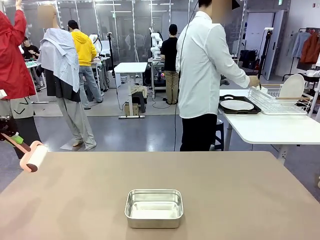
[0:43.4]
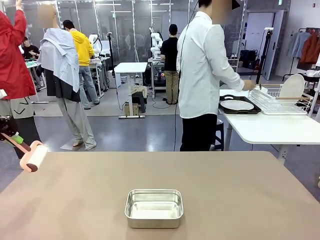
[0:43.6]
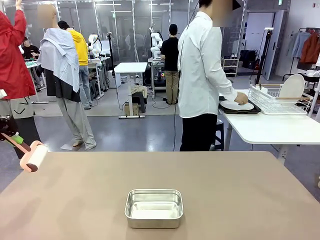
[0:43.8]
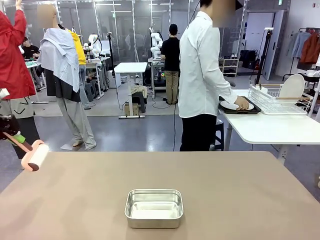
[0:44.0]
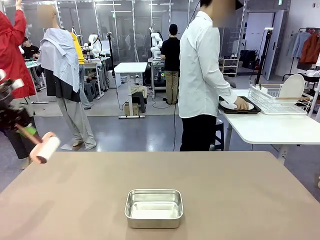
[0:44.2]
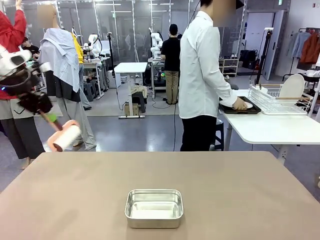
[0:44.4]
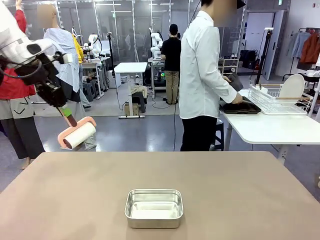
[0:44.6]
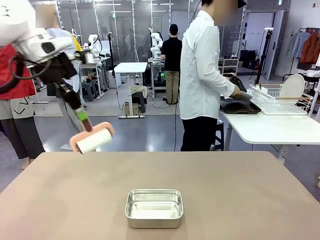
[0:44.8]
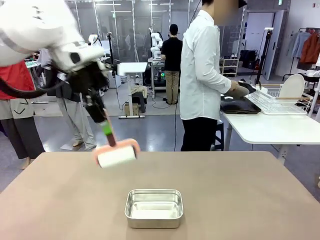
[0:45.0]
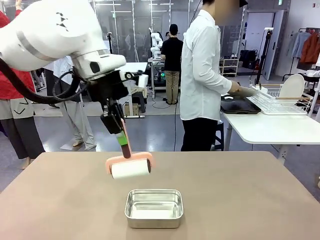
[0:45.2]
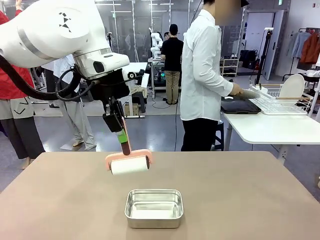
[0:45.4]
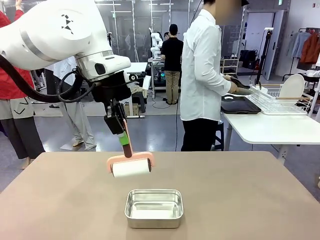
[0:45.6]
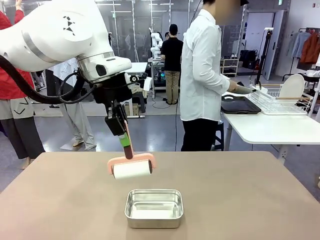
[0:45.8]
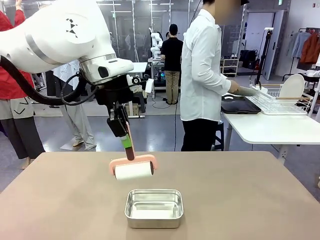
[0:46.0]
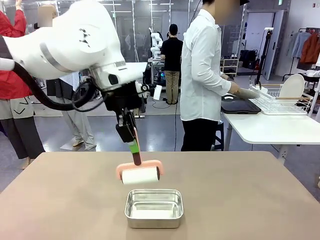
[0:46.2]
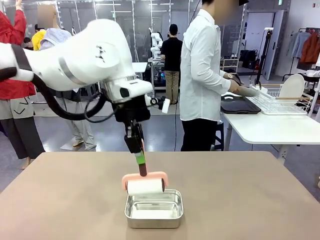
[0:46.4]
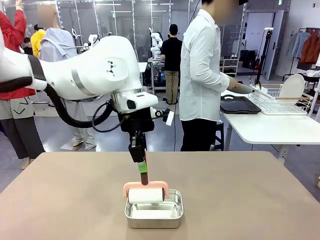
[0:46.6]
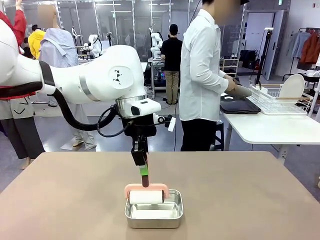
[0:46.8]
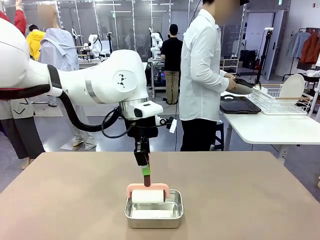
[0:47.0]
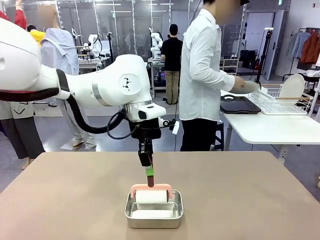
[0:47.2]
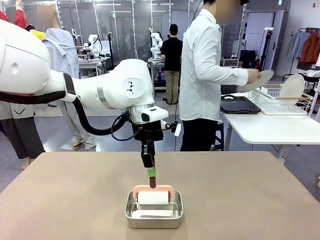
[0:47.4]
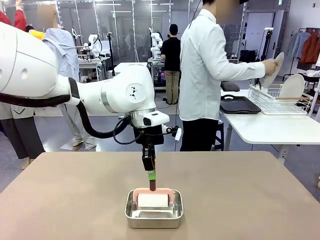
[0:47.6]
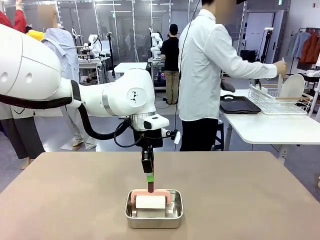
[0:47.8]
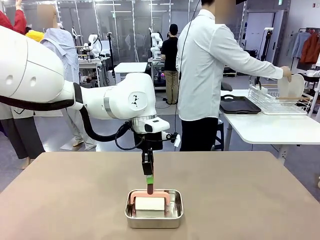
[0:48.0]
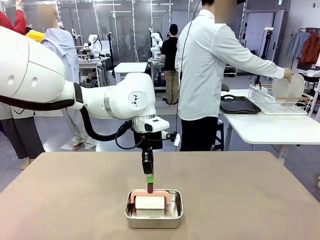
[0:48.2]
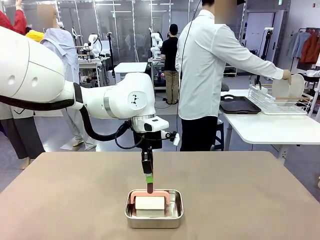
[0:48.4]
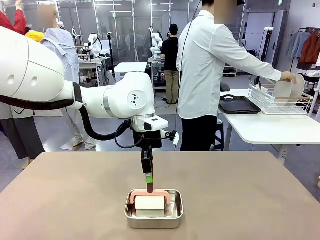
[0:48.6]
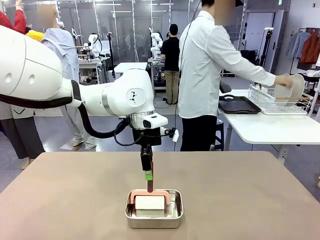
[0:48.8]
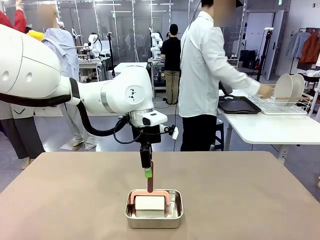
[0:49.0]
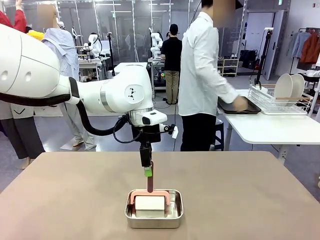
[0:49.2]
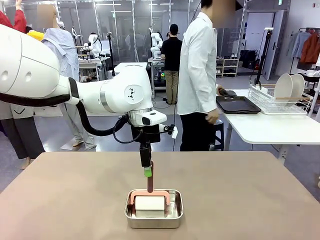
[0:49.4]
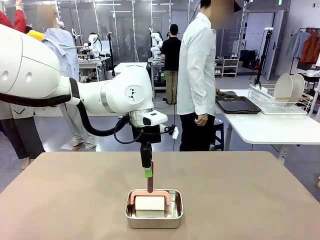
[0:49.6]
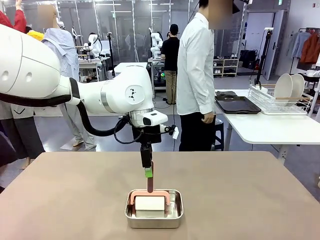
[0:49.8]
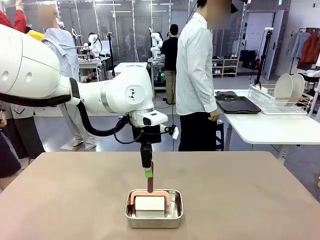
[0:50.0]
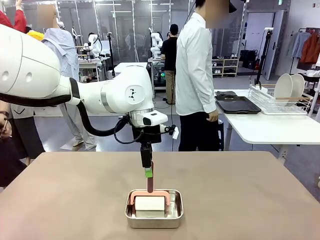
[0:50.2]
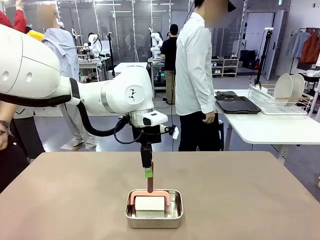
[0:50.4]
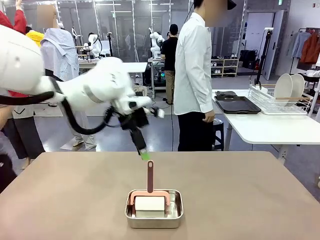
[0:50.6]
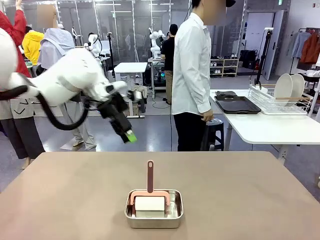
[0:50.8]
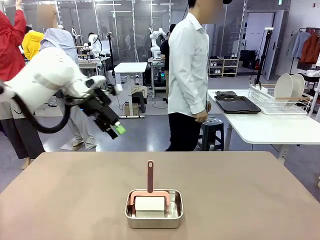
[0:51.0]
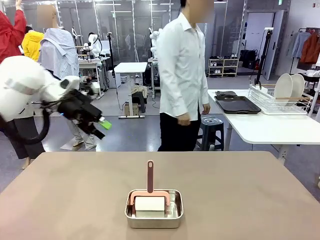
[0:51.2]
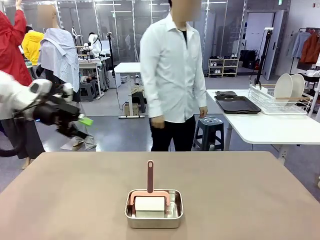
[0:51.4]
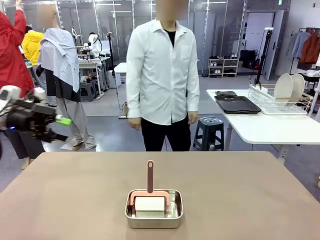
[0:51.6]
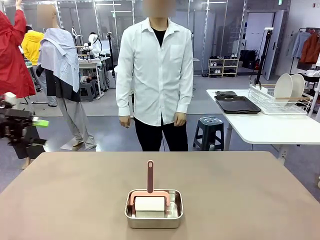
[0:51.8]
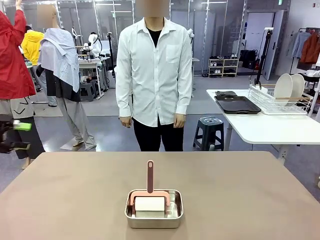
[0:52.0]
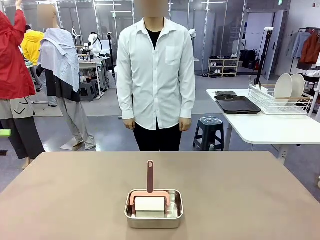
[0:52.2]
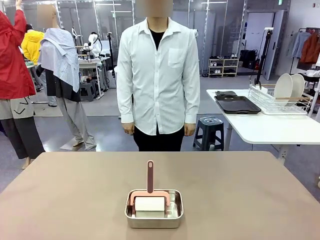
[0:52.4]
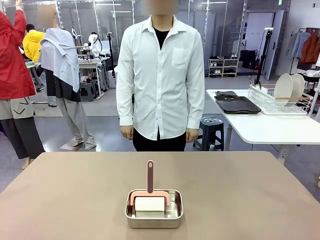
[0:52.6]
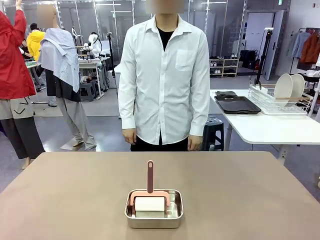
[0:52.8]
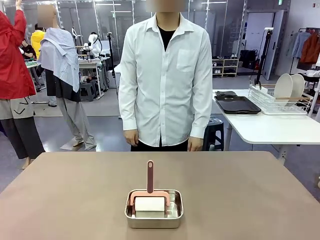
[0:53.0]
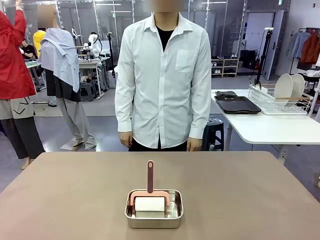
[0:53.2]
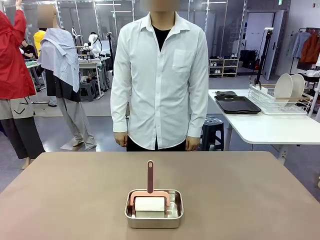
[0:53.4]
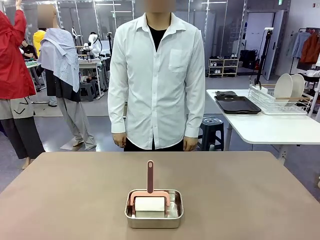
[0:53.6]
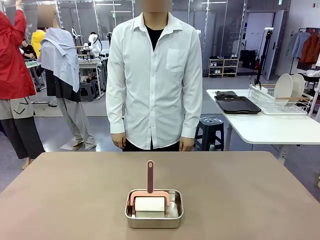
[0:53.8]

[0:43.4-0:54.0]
Robot: Place the Lint Roller back on top of the Airtight Container.
Person: Use the Towel with hook to wipe the Plastic Matte Plate , Fork , and Knife and place into the Dish drying rack.

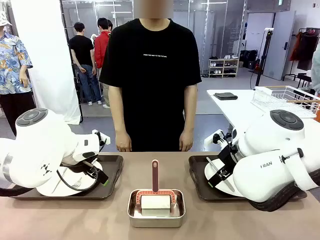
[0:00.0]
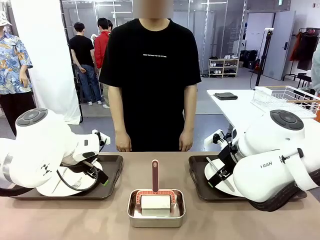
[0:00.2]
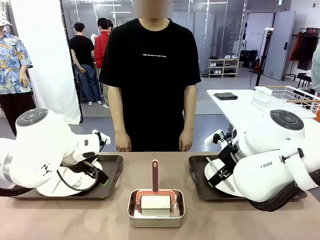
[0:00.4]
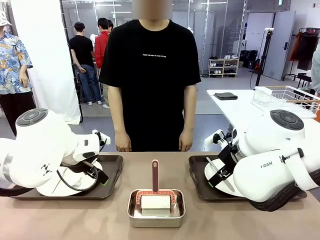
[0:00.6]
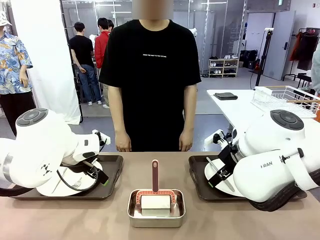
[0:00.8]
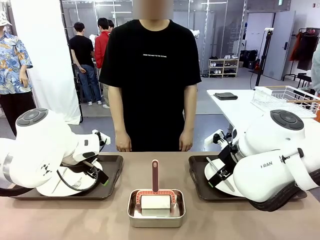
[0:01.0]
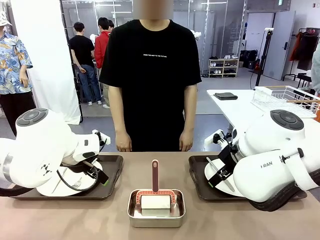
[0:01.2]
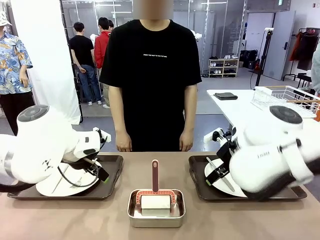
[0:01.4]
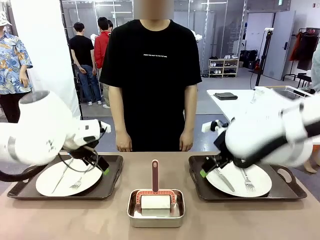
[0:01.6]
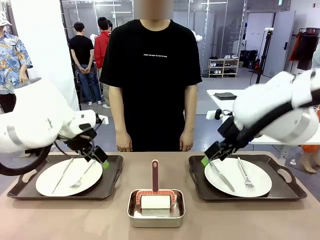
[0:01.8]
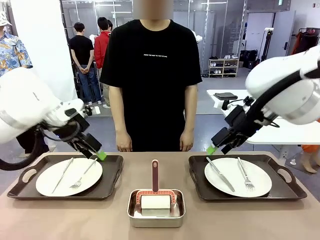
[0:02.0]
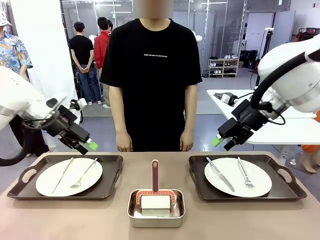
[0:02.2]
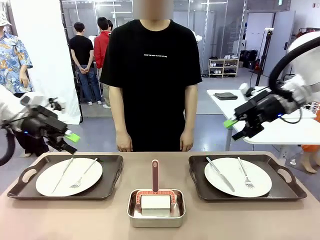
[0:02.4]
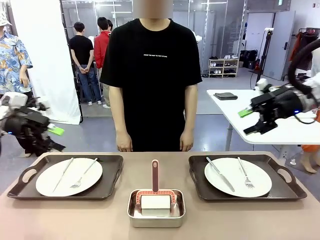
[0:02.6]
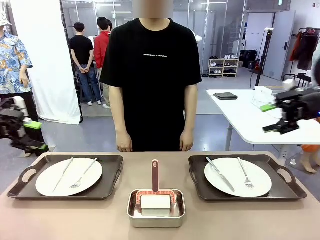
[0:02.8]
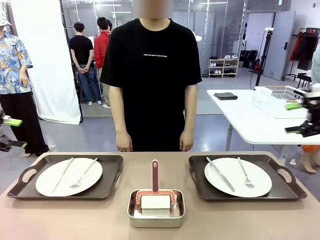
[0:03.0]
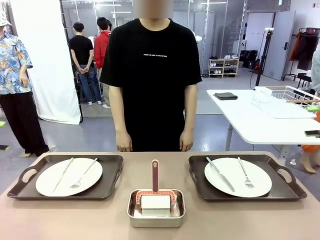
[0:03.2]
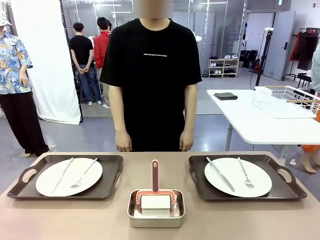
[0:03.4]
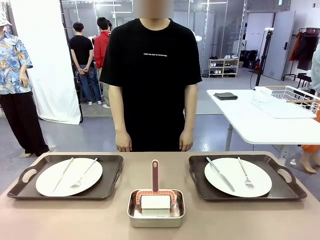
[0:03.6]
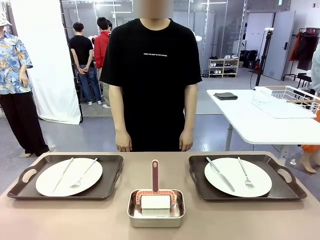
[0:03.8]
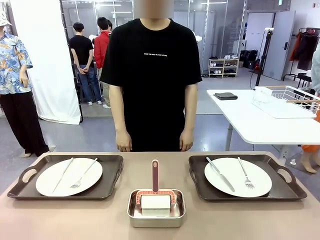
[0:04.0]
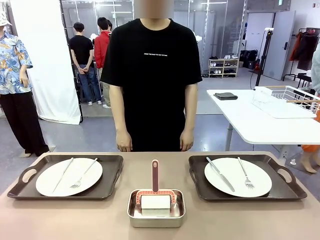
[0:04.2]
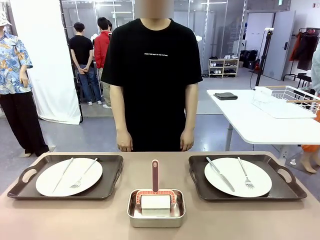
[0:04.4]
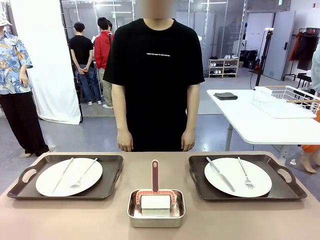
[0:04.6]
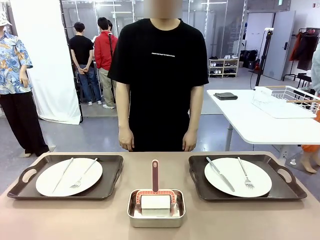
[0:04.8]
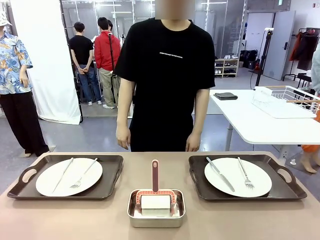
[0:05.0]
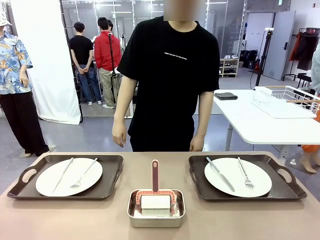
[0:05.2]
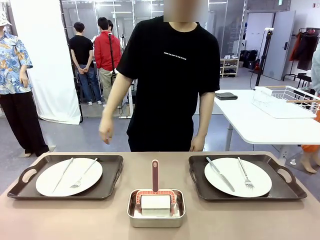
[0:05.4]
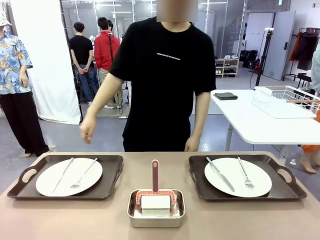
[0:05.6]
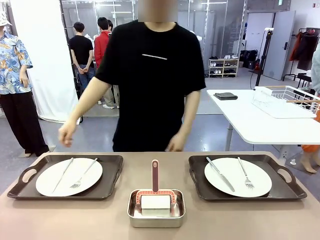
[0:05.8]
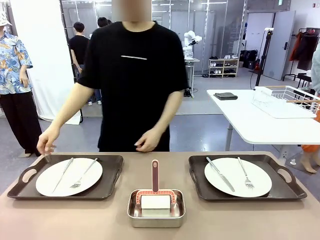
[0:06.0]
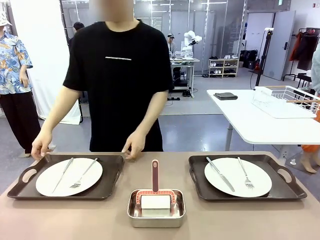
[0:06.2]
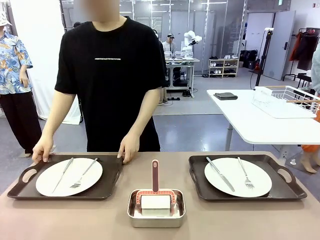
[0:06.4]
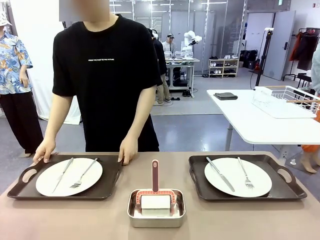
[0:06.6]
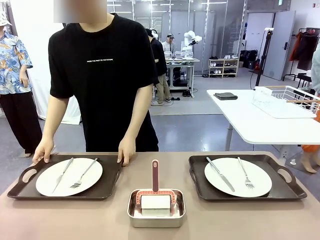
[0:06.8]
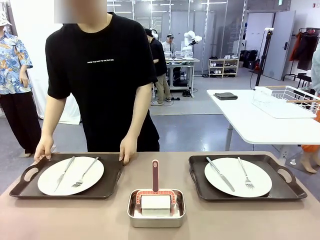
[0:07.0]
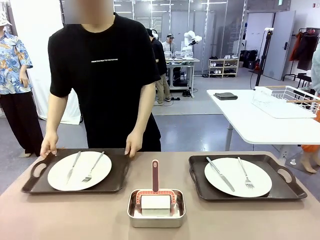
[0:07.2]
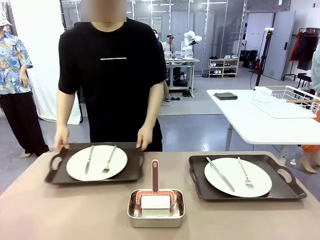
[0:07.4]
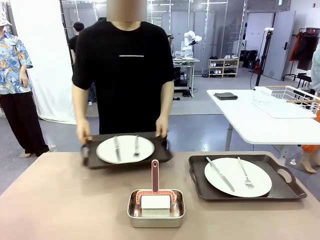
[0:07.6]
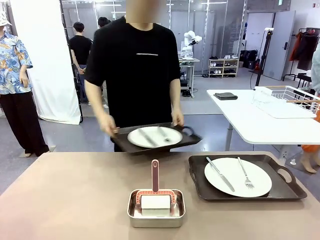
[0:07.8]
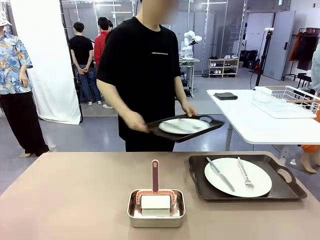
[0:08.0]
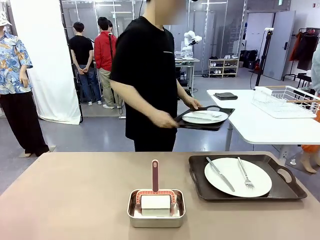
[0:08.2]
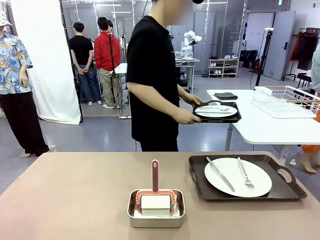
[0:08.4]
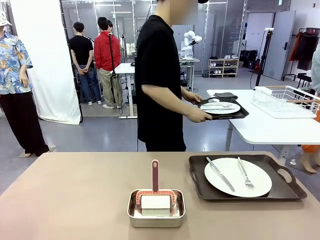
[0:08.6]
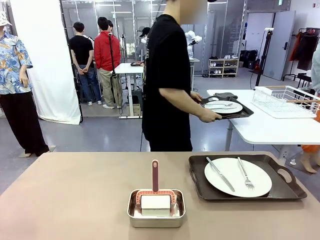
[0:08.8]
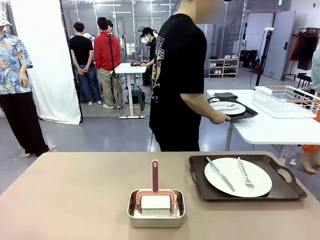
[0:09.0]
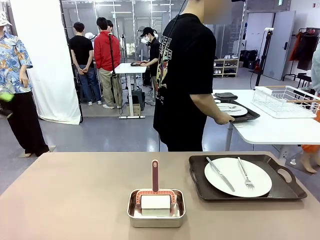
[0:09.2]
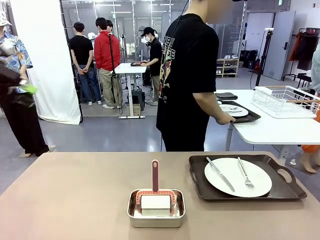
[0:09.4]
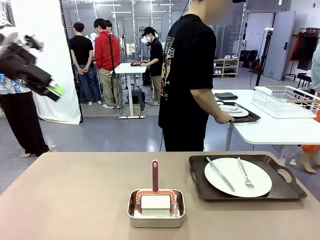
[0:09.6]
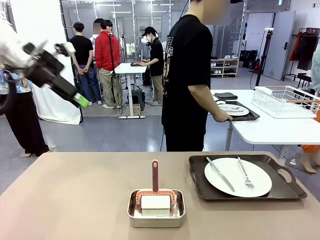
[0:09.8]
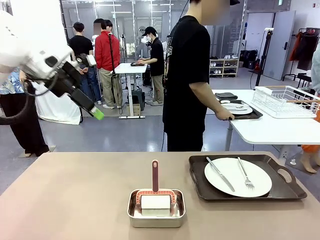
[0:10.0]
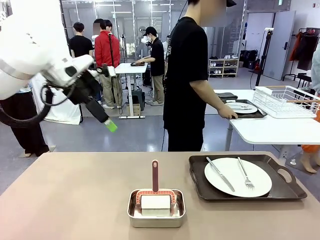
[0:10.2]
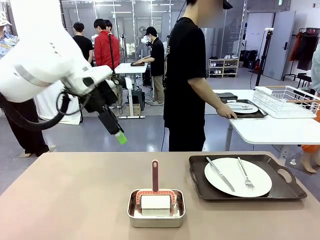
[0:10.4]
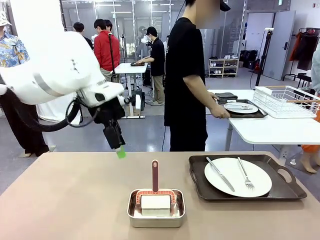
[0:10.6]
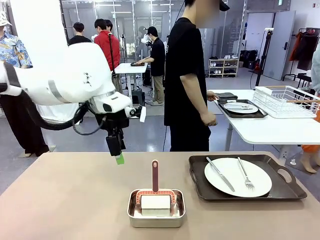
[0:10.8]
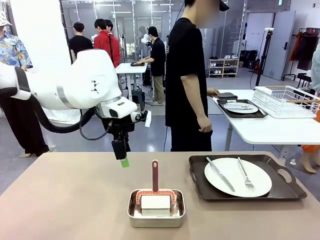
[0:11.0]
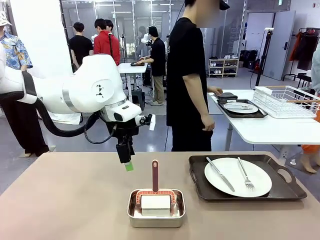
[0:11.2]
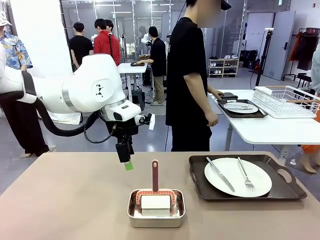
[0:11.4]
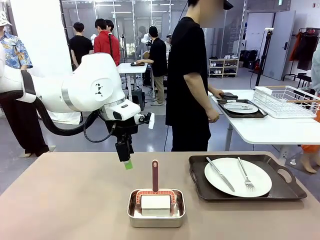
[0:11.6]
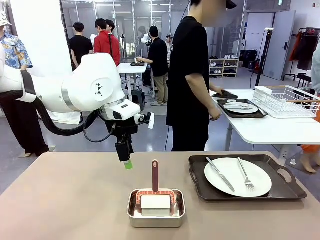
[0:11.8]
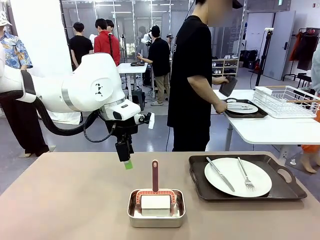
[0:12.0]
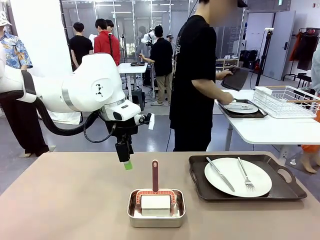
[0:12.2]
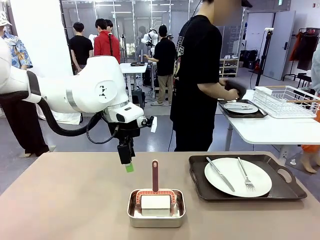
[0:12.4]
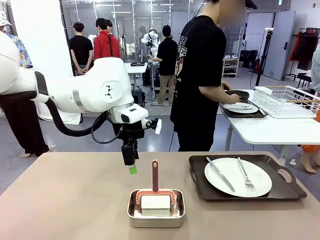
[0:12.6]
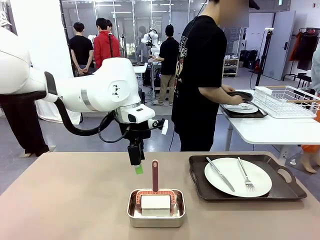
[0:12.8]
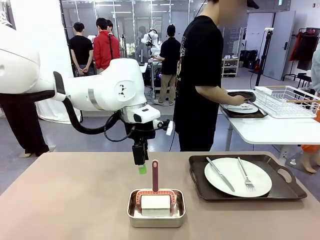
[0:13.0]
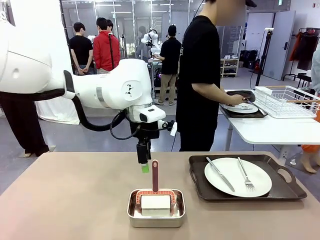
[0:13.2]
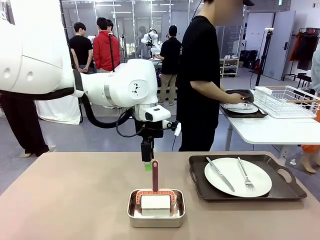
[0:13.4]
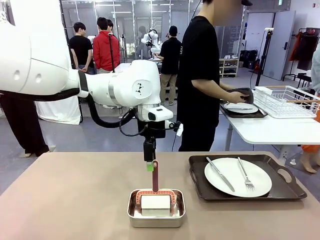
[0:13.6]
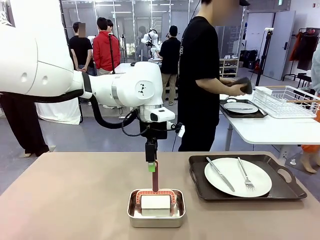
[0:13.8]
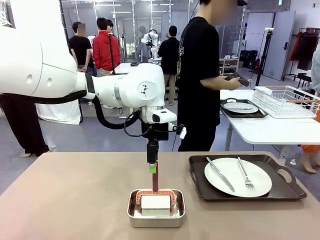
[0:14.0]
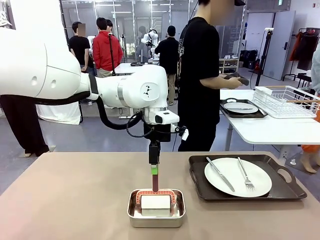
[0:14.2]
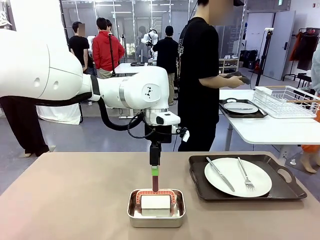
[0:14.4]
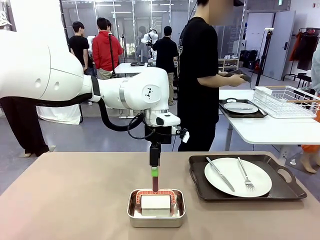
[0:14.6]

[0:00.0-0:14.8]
Robot: When the left (or right) Handle tray is removed, use the left hand (or right hand) to clean the left (or right) side of the table with the Lint Roller.
Person: Pick up the left (or right) Handle tray and place it on the middle of the Human's table.
